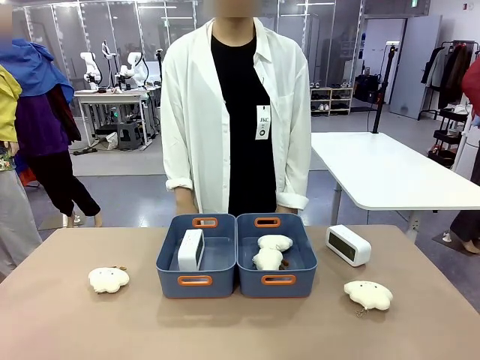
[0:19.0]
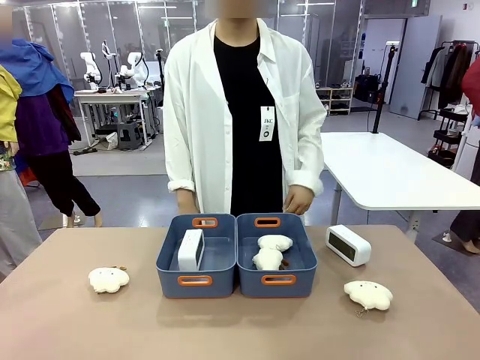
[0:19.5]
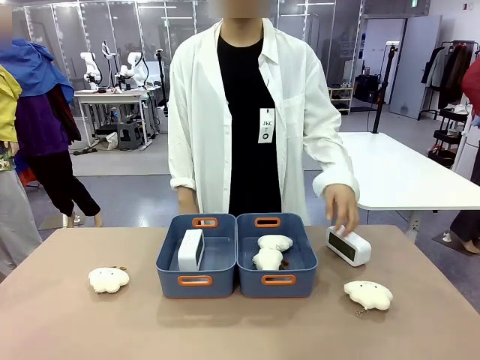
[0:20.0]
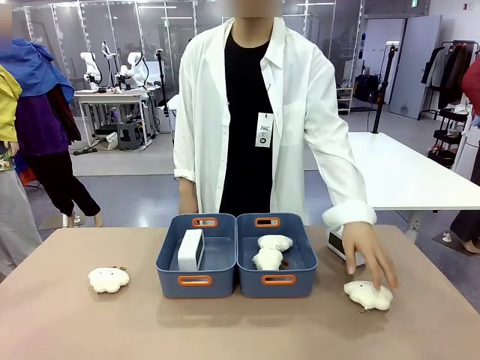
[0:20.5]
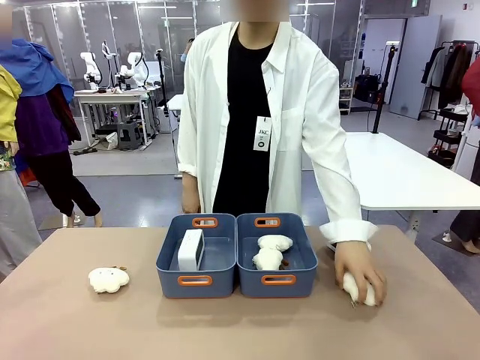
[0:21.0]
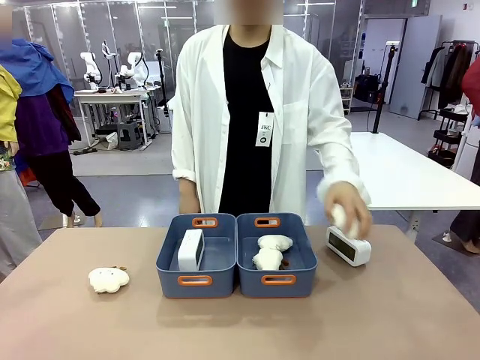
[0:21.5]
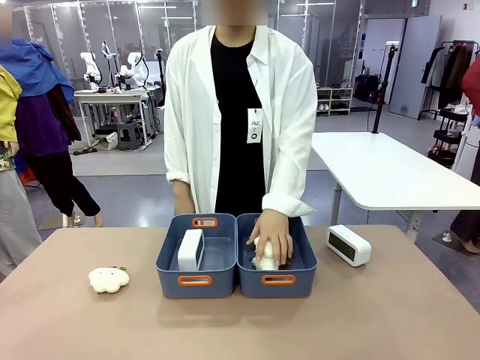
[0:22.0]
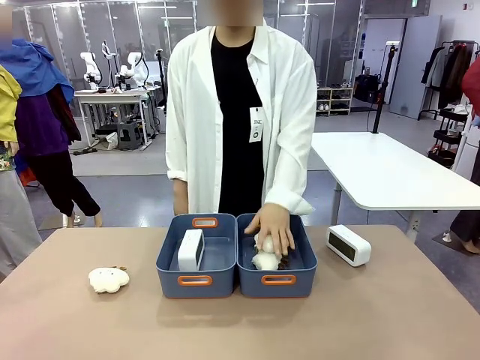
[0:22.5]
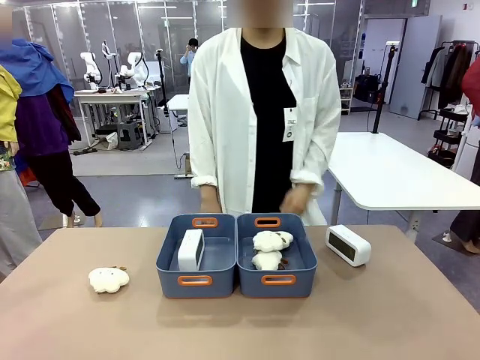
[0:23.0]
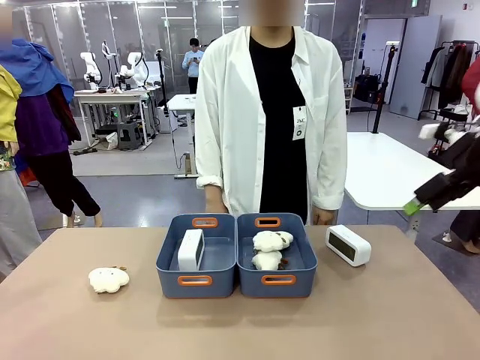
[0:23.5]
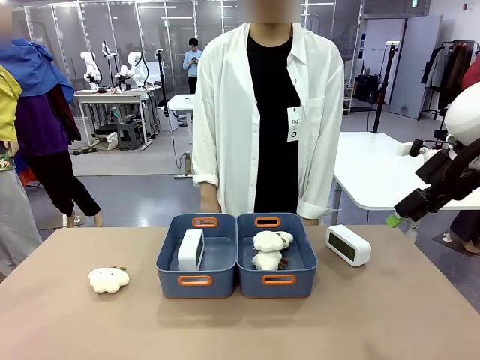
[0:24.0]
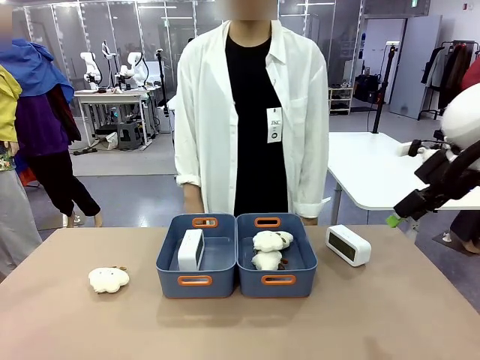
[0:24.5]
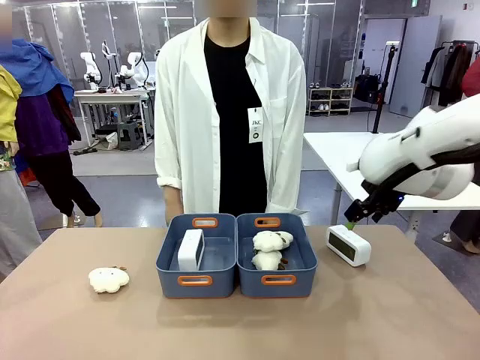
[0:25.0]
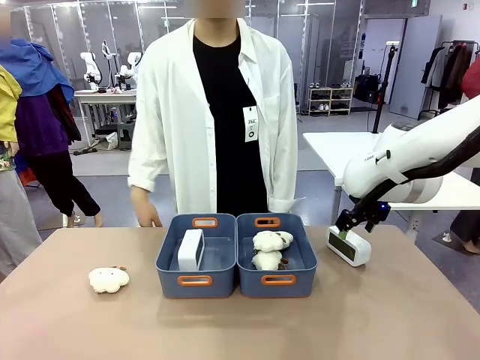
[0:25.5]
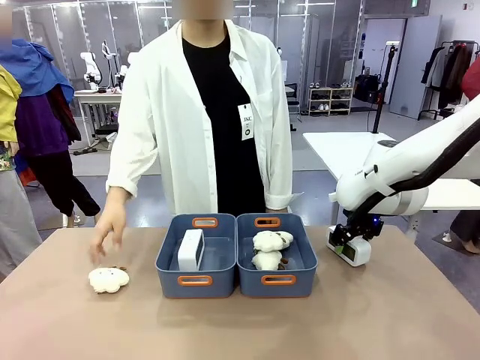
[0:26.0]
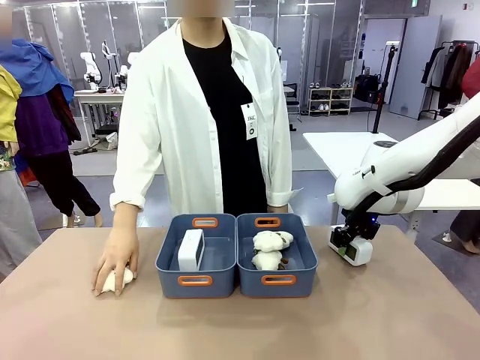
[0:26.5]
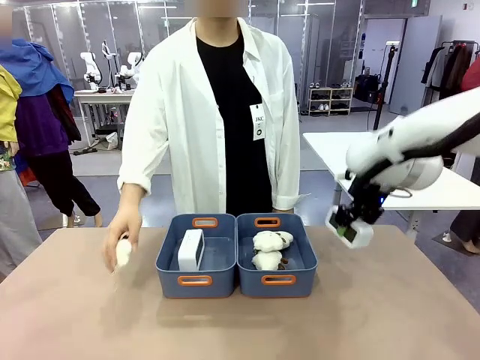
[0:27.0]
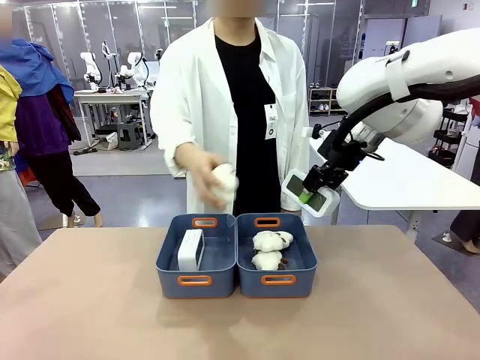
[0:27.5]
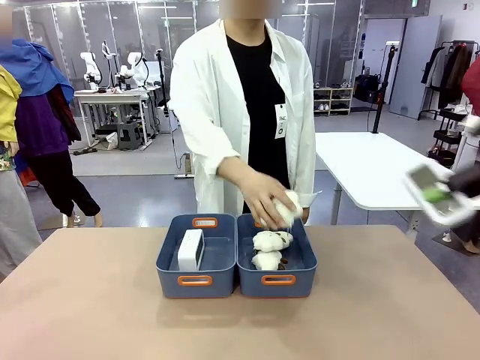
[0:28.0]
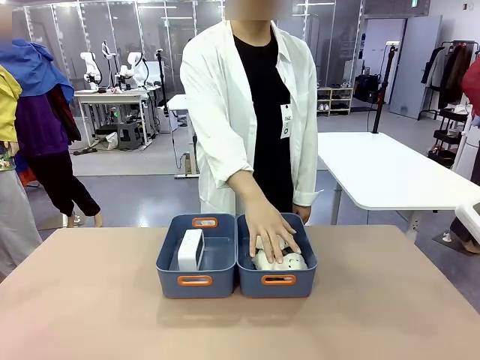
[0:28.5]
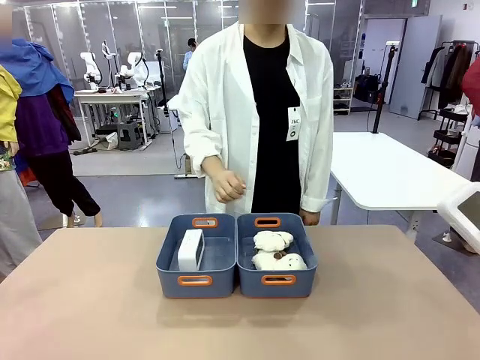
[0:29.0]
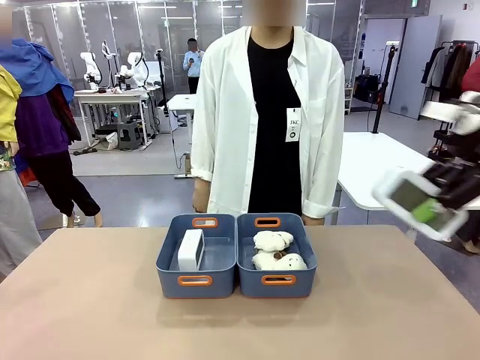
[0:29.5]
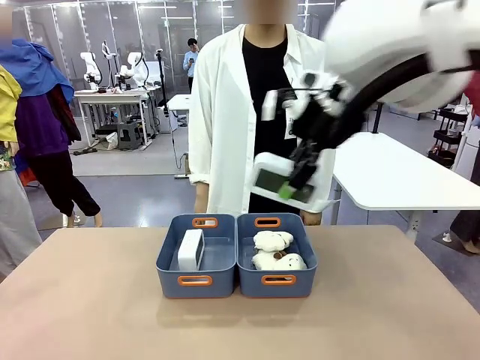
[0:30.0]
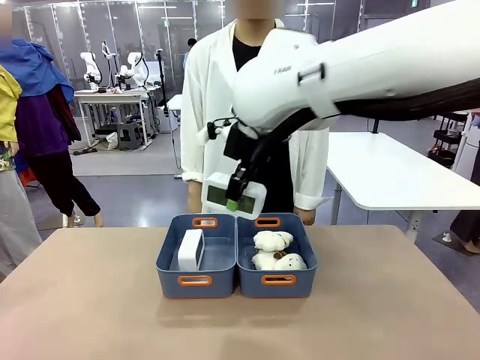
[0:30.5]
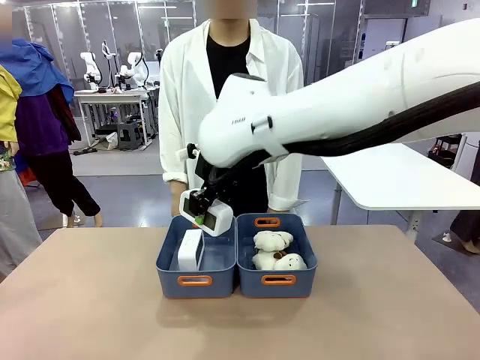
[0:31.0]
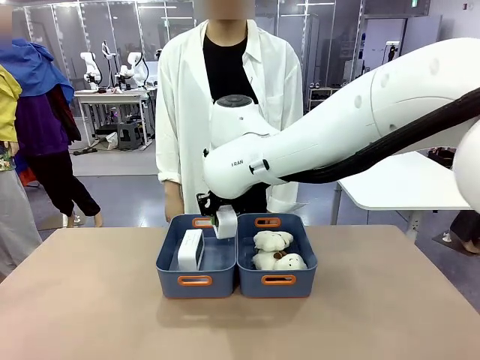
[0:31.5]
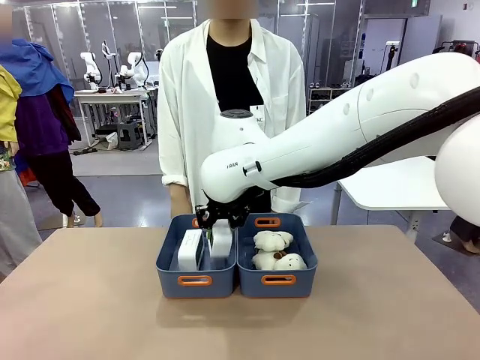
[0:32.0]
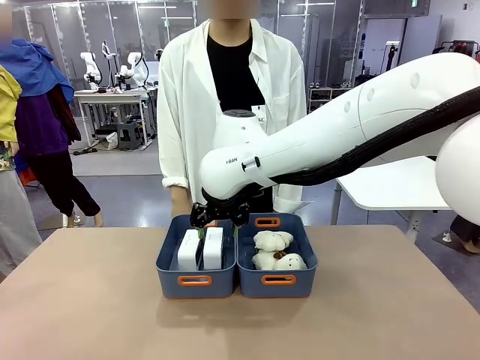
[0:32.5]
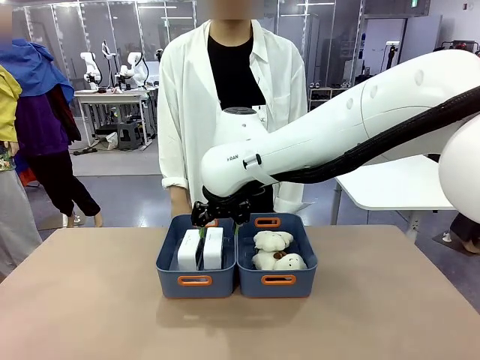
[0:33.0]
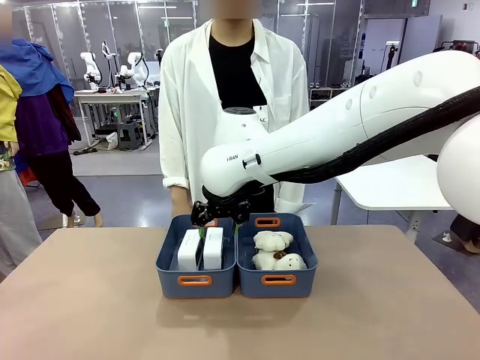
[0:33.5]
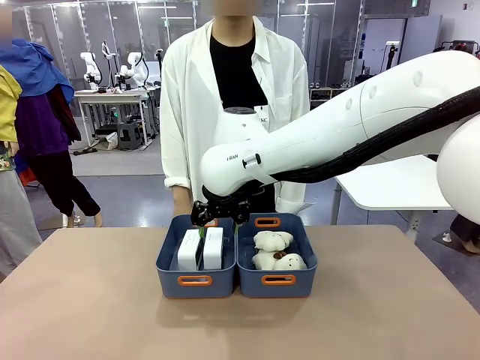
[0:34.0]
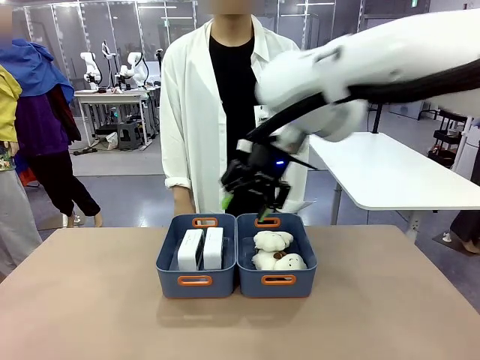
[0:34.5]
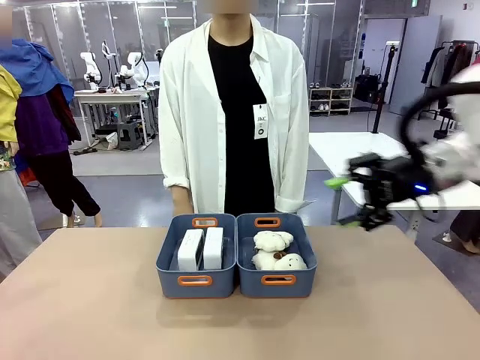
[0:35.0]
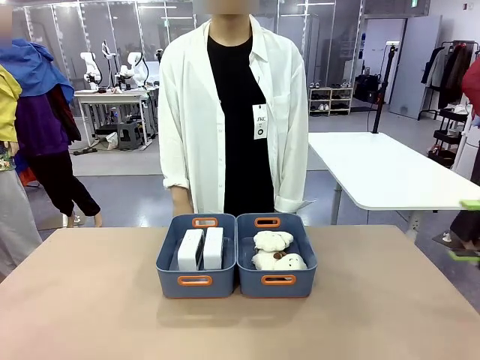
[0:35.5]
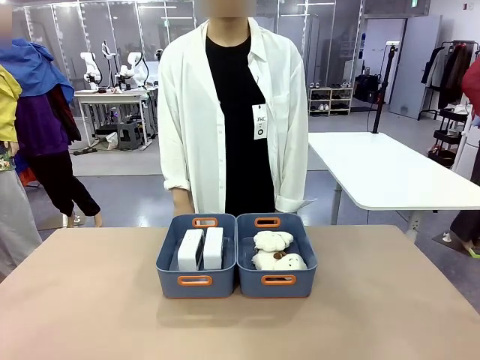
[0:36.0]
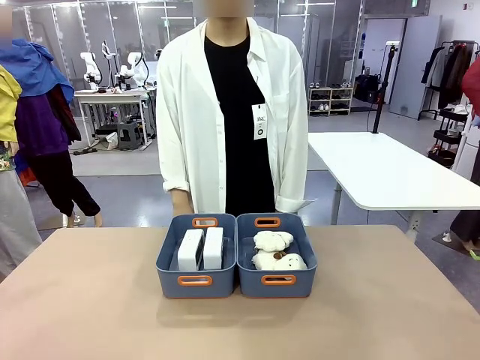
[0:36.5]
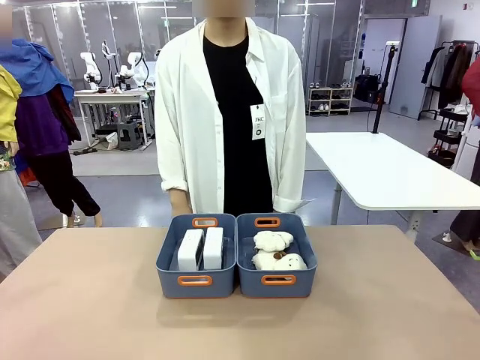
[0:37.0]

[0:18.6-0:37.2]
Task: Sort the digital clocks into the basket.
Robot: Pick up the Digital clock from the table and place it into the empty Plastic storage basket.
Person: Pick up a plush toy from the table and place it in the plastic storage basket containing the plush toy.
